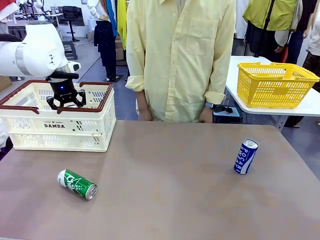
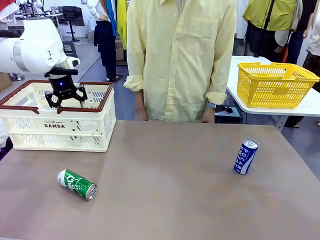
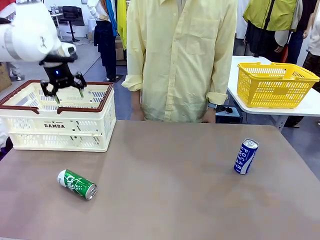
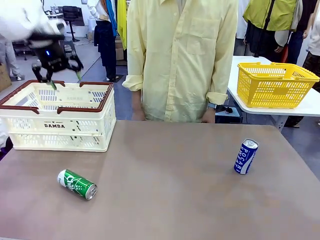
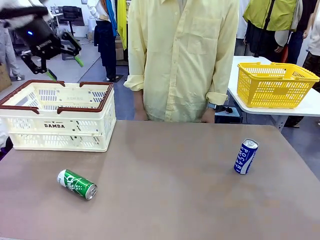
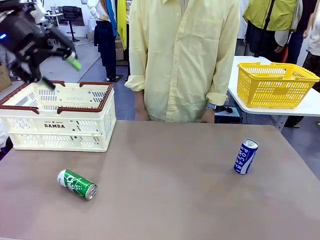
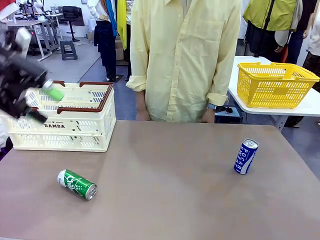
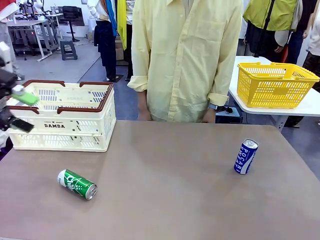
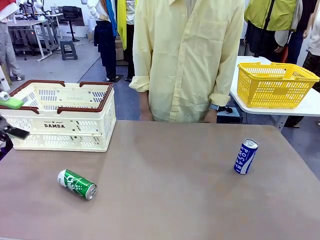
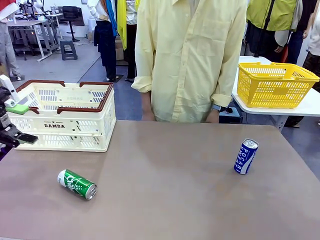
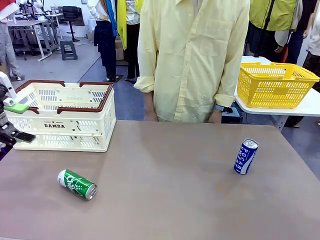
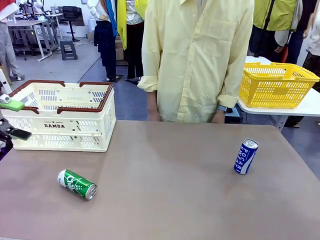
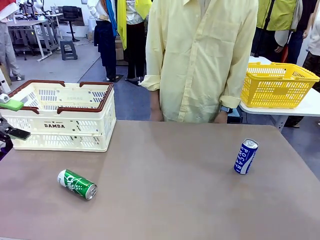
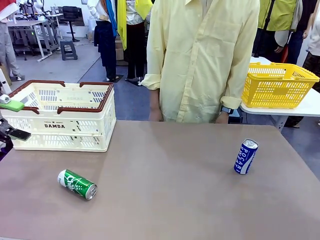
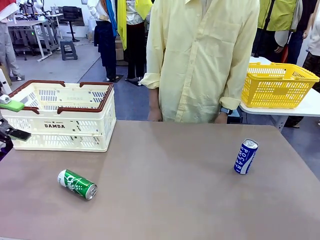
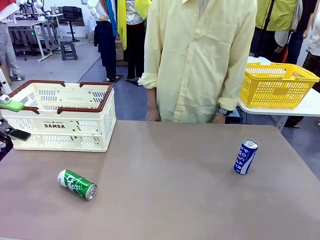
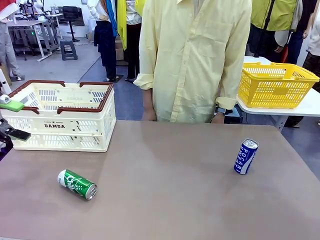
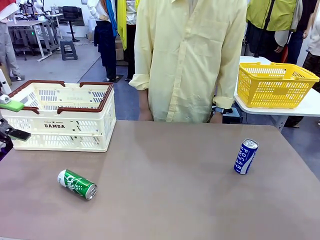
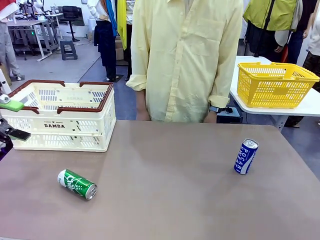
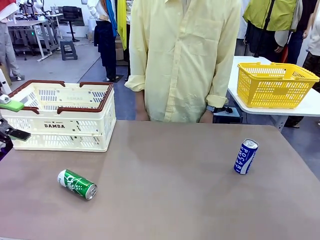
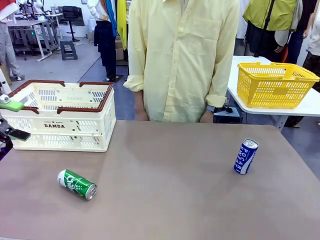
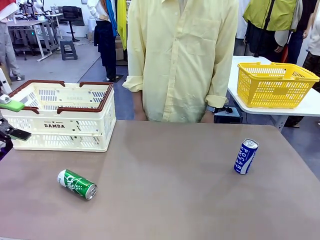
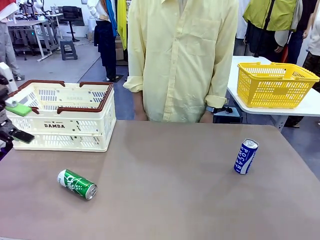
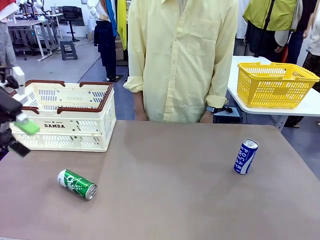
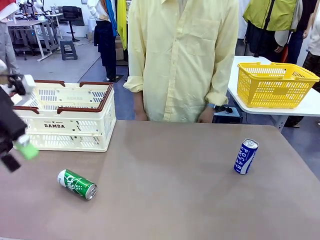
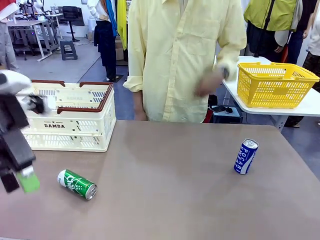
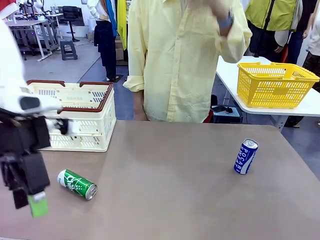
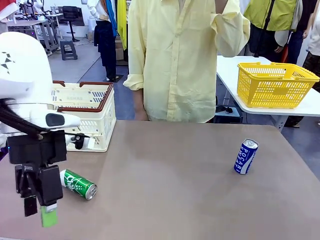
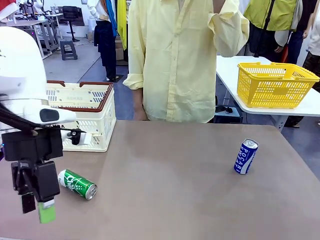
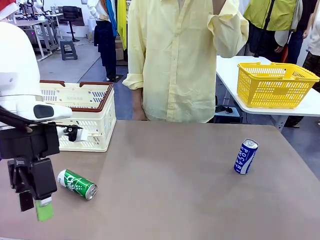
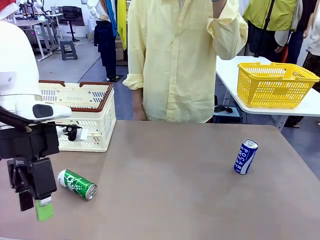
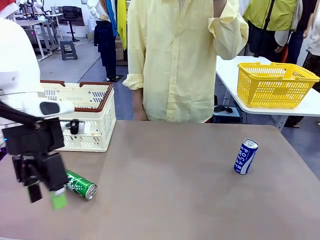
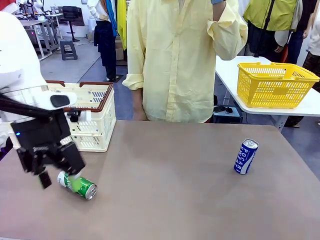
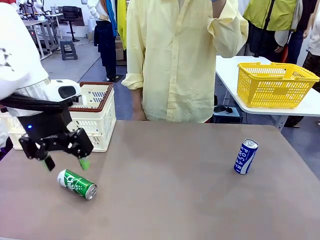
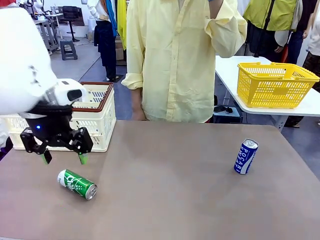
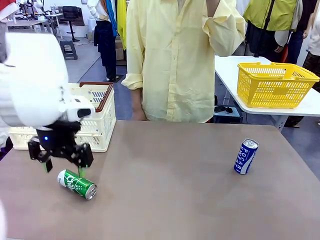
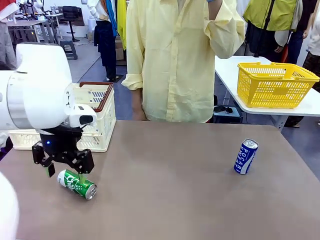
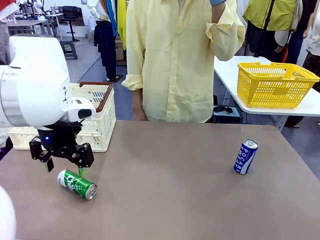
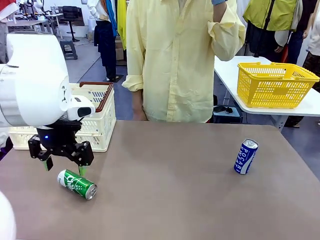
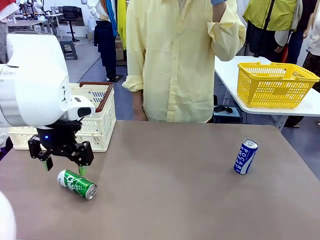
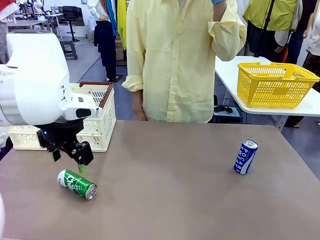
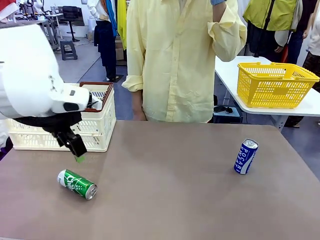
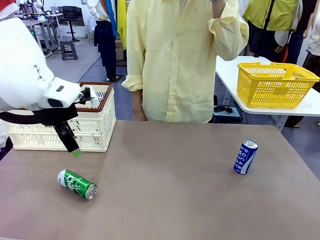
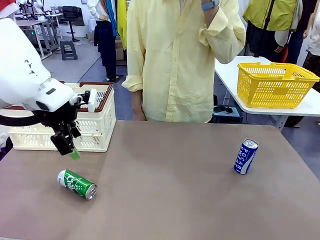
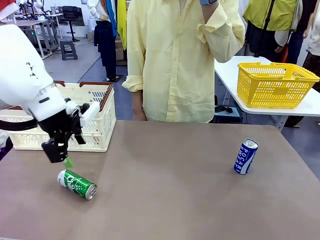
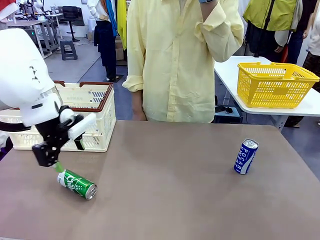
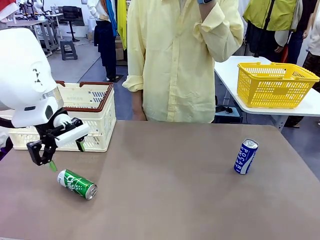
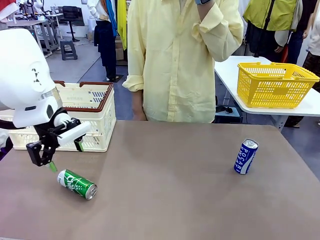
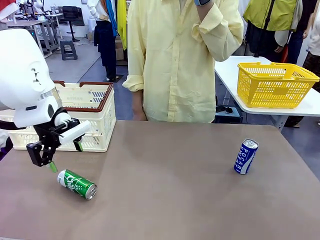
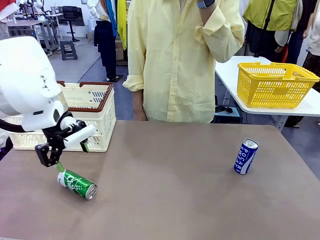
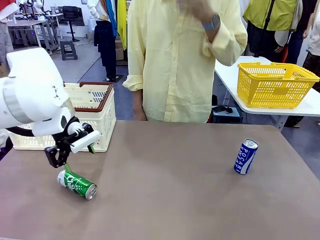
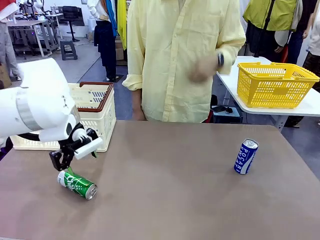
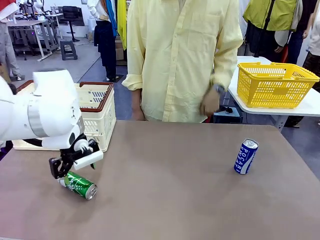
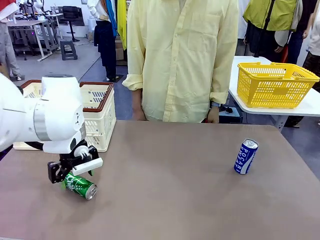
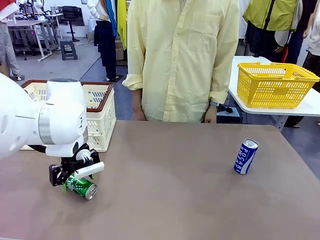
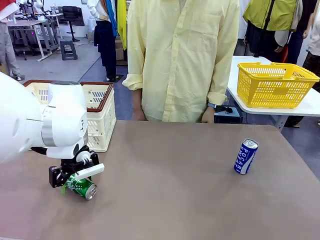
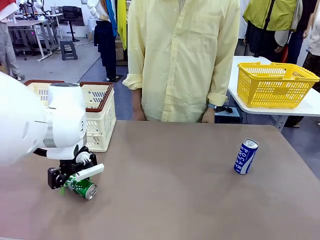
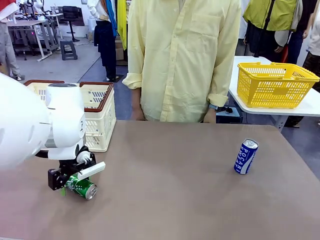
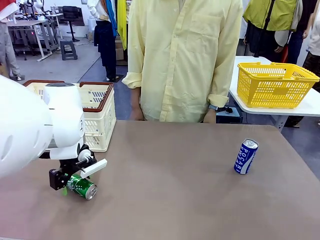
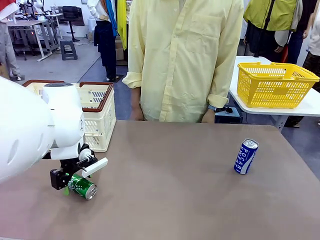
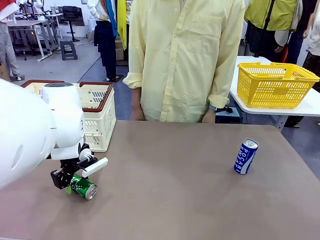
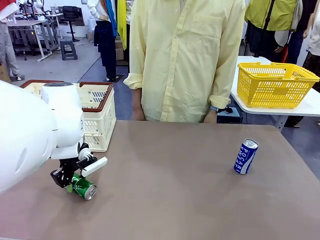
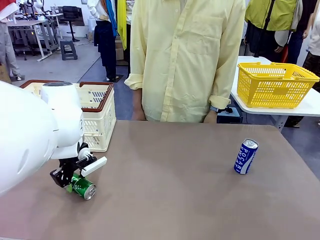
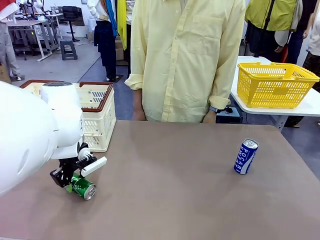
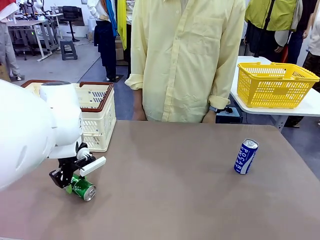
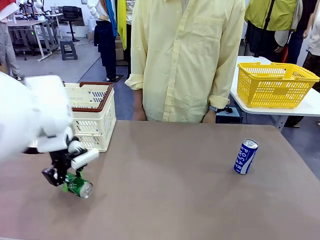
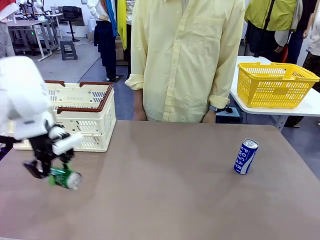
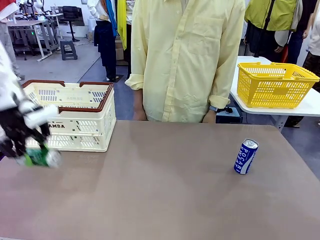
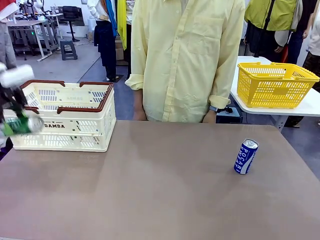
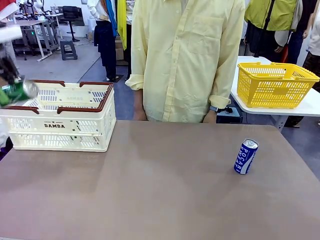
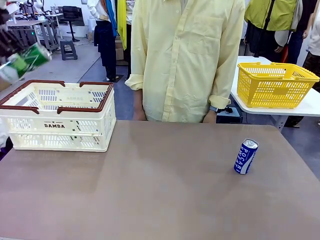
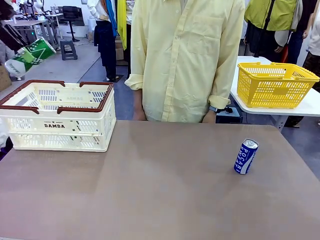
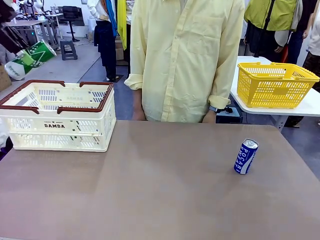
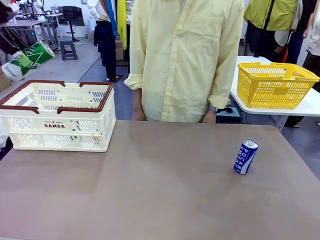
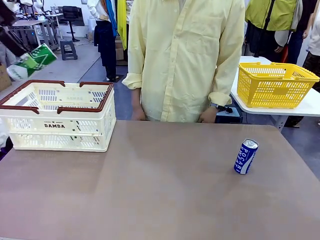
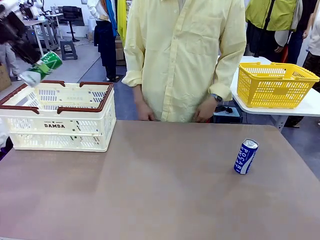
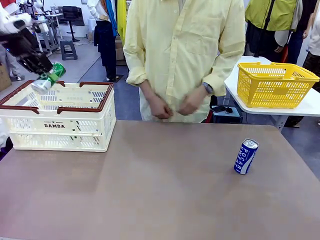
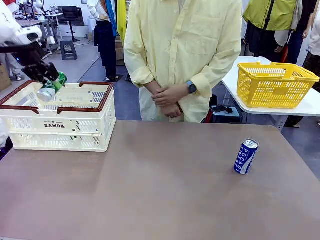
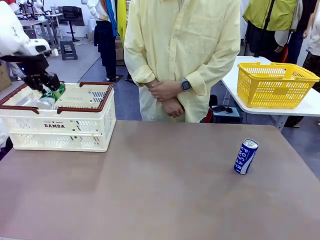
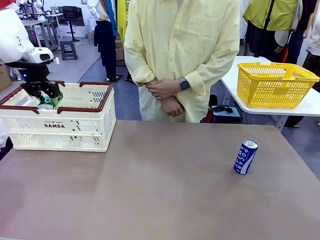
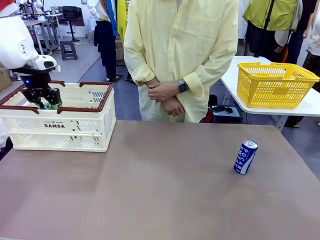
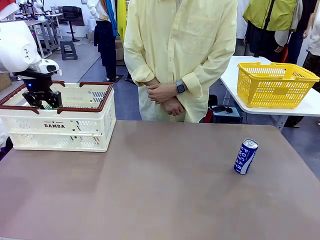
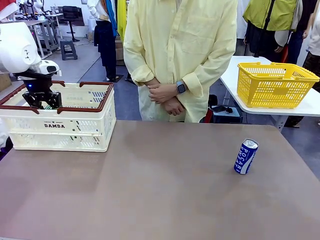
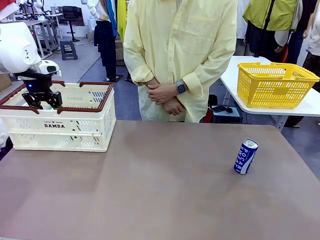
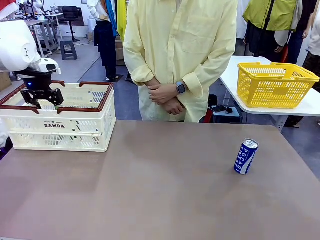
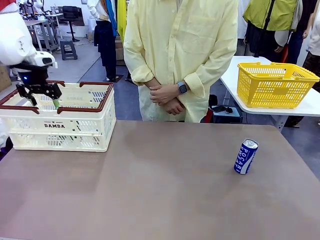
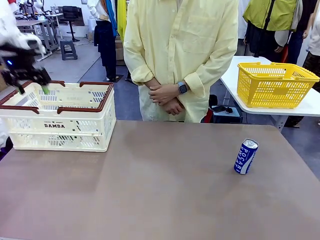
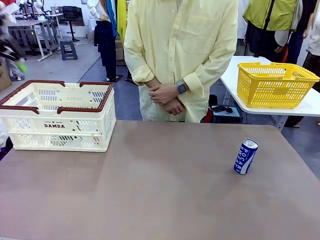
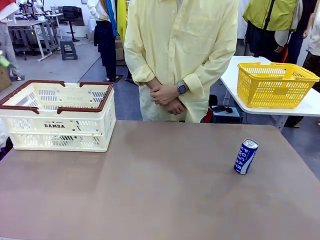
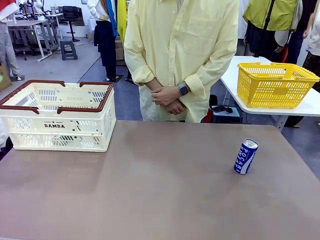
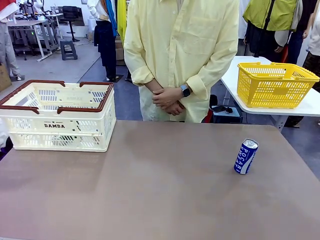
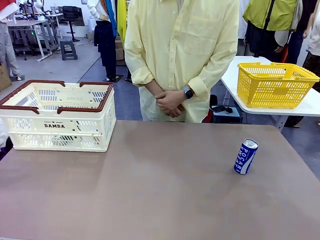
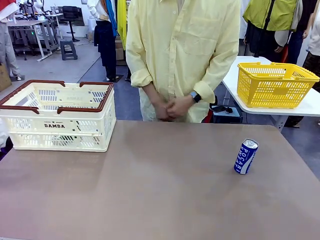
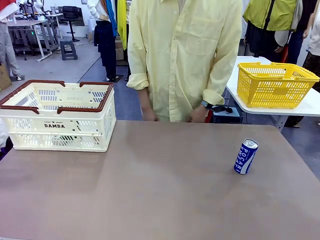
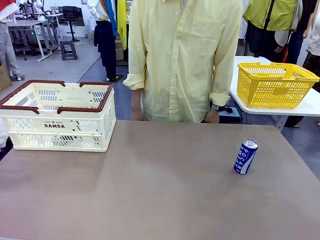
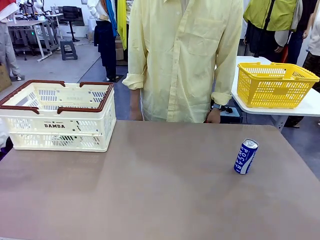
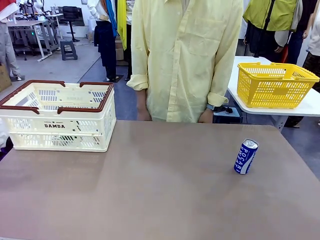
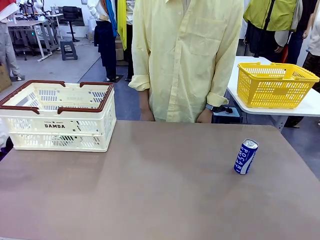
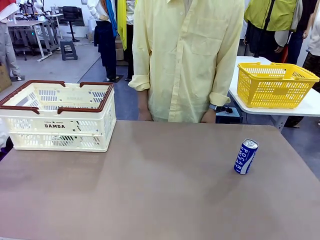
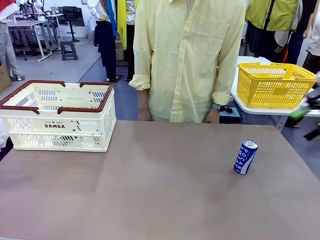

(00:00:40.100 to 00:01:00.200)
Task: Place the drinks into the Shopping basket.
Robot: Pick up one drink and place it into the Shopping basket.
